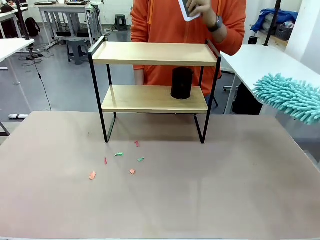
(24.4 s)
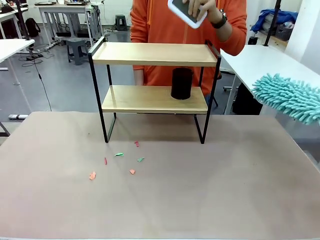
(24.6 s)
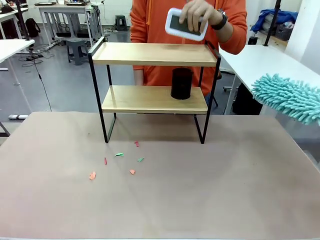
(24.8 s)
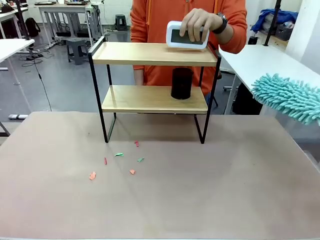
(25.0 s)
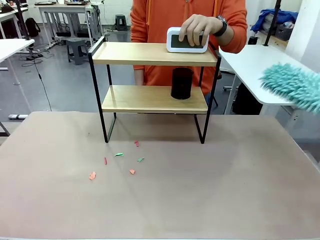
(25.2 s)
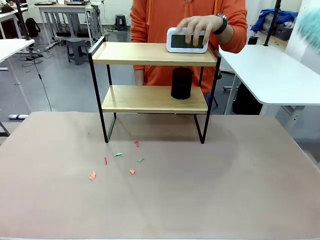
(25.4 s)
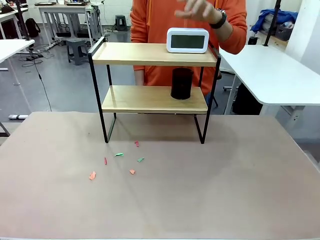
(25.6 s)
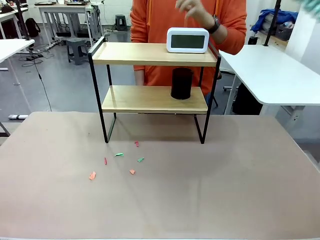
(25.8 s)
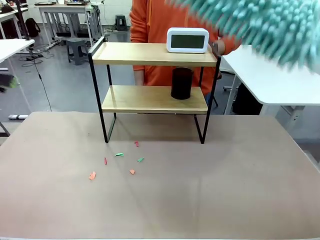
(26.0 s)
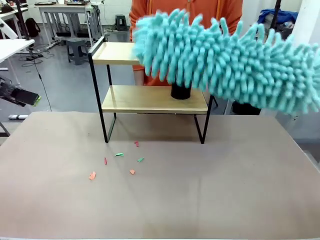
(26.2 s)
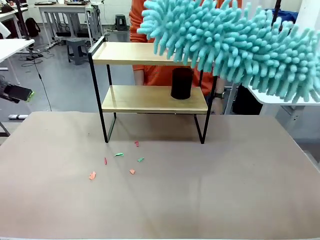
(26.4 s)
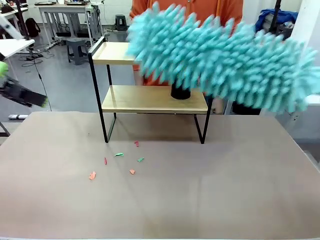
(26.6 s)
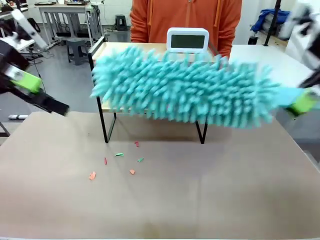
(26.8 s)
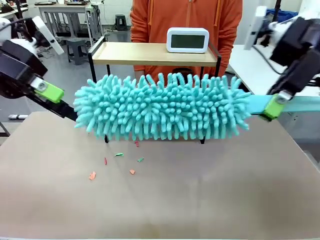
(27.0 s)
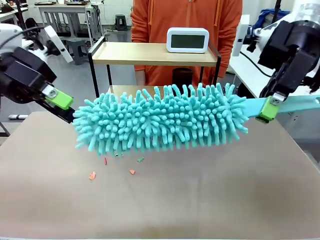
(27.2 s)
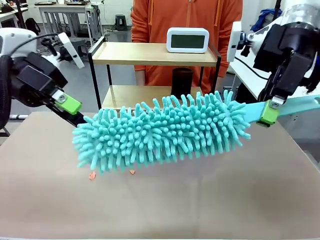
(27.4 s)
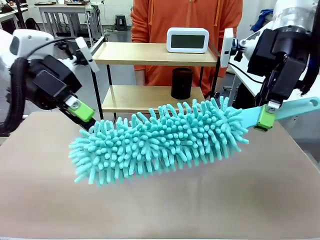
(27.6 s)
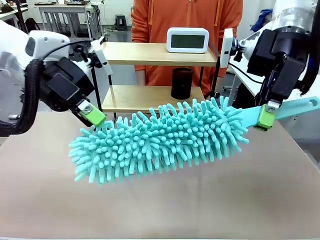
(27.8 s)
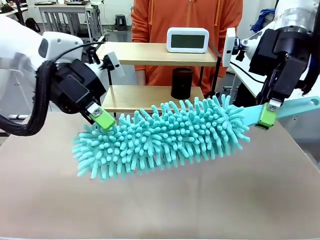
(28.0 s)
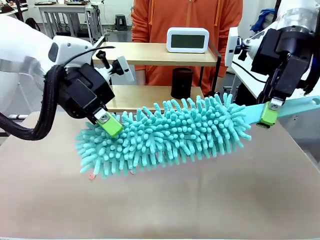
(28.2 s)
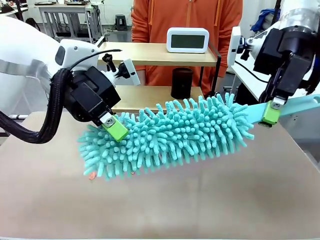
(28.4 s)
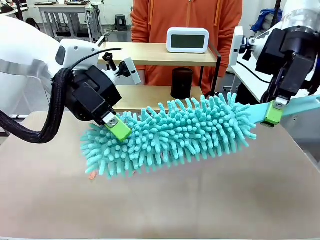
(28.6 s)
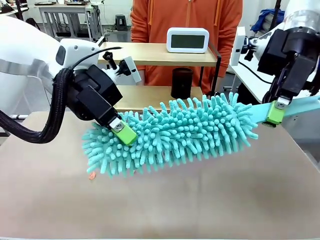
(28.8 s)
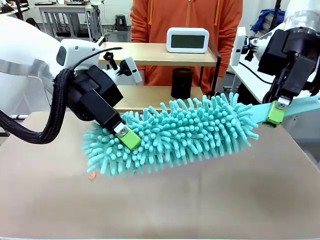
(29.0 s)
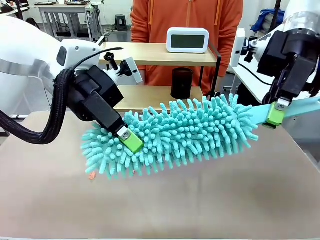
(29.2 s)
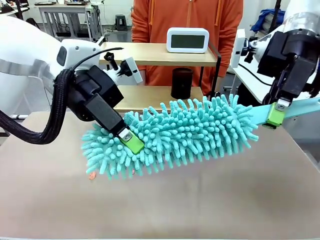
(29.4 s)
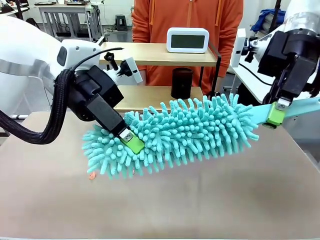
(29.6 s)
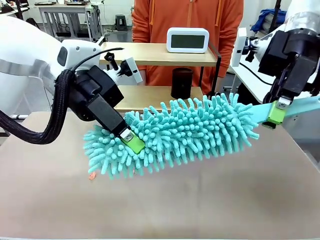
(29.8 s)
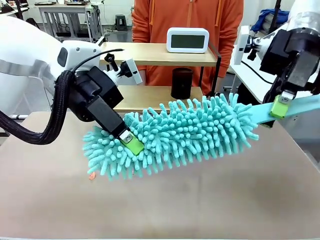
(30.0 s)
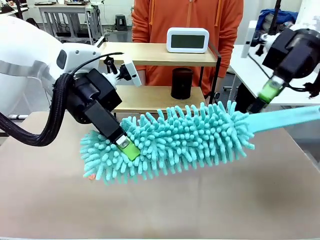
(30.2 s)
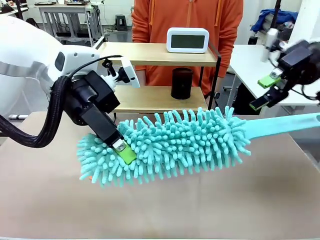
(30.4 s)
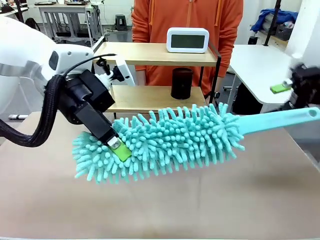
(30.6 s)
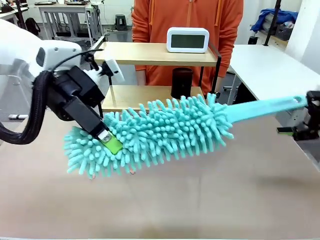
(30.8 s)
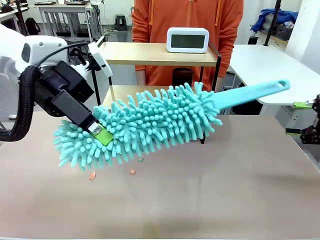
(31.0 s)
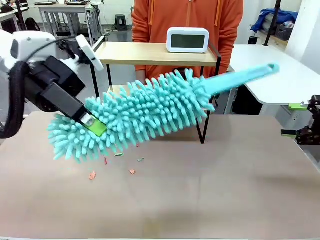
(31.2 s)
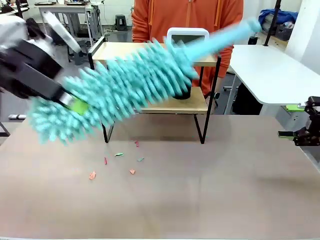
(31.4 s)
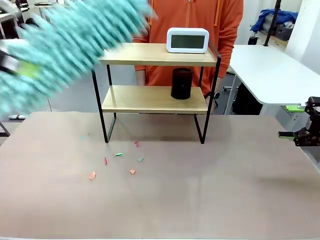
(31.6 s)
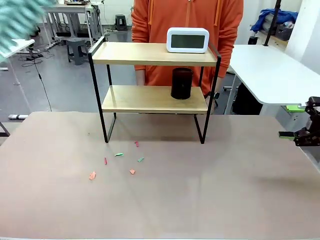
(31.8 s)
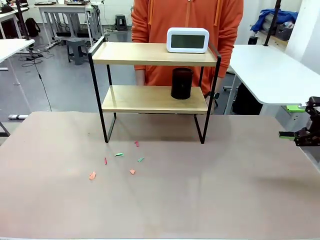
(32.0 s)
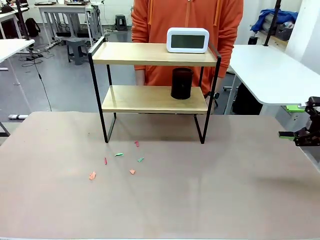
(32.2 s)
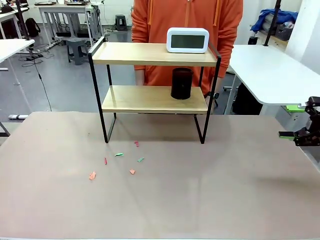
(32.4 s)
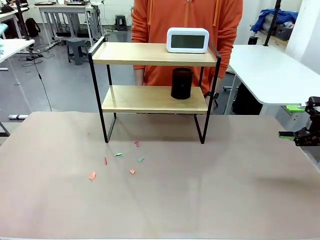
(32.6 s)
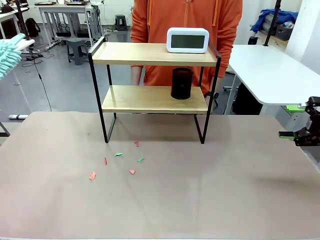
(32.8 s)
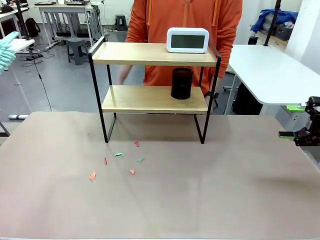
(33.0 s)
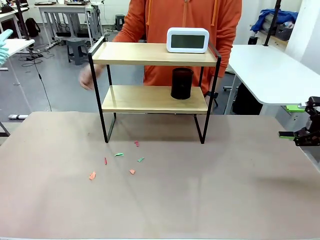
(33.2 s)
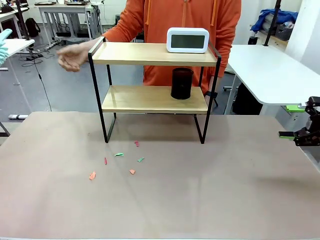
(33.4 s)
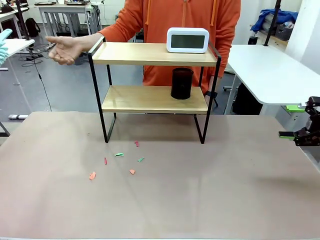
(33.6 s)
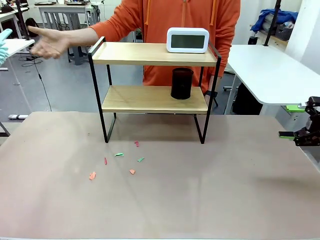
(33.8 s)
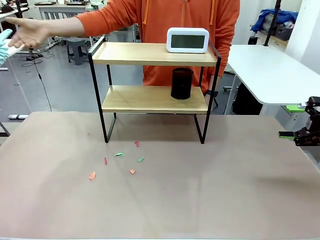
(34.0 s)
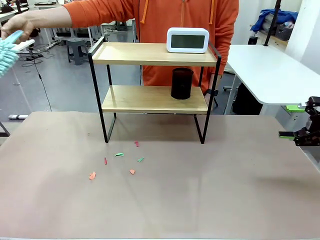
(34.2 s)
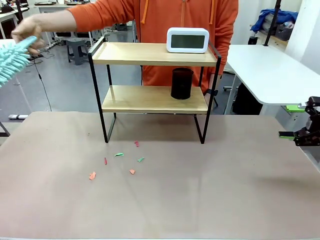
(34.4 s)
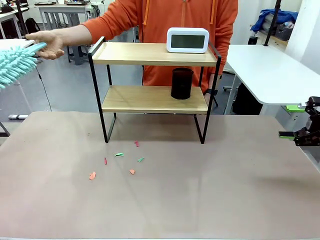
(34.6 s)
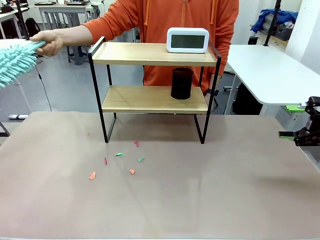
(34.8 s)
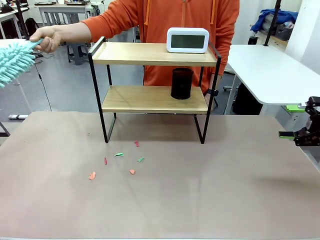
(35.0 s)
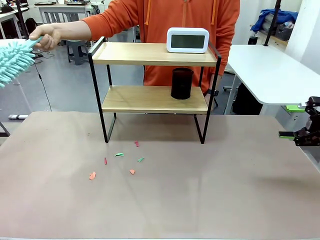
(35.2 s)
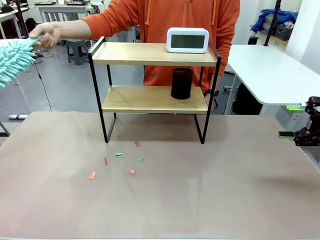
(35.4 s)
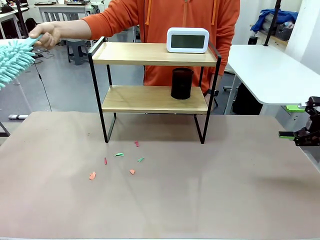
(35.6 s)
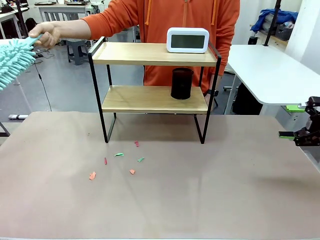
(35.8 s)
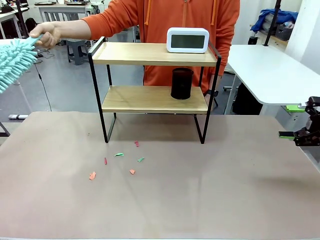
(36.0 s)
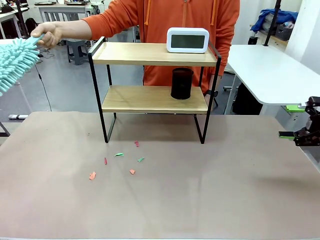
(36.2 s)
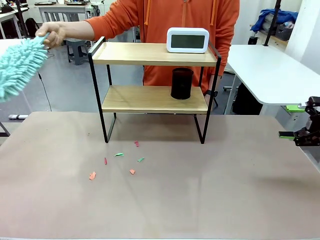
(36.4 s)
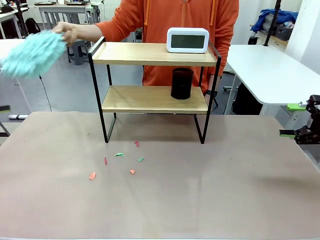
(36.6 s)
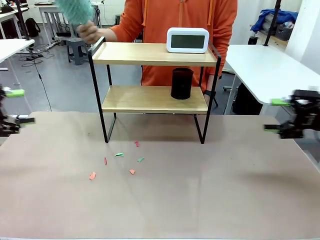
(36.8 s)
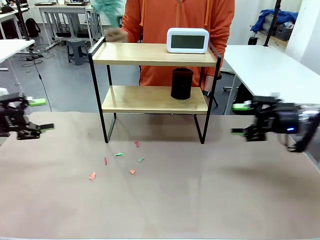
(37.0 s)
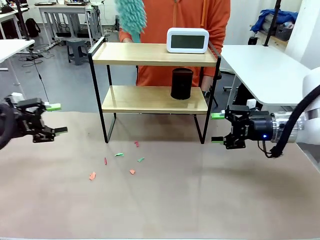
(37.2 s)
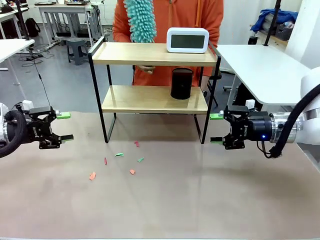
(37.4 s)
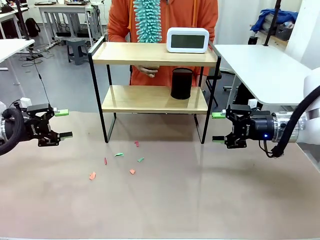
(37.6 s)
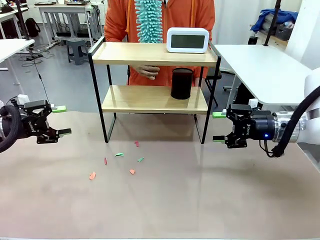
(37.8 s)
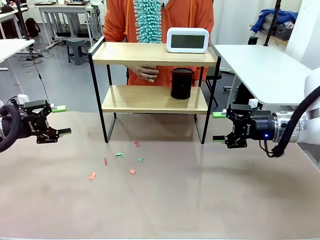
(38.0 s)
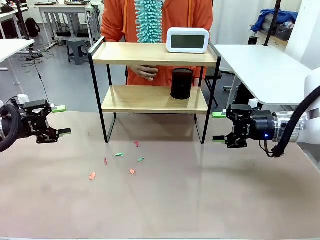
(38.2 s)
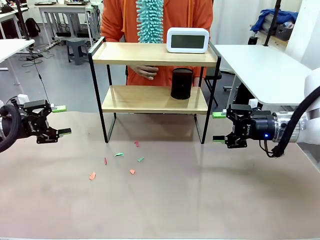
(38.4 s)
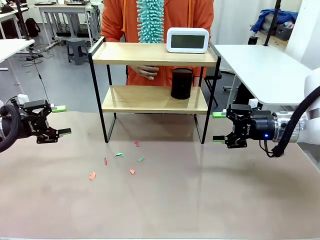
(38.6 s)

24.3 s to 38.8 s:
Task: Clean the shelf.
Robot: Hand the Duster back to the human.
Person: Receive the Duster from the robot.
